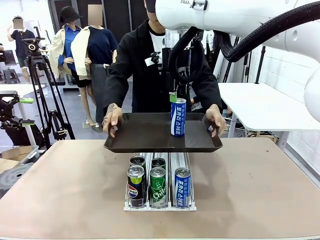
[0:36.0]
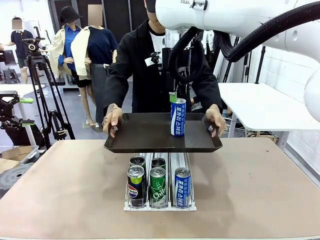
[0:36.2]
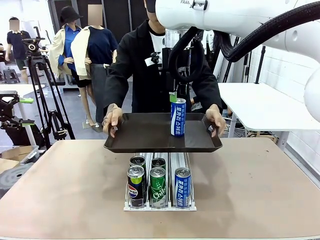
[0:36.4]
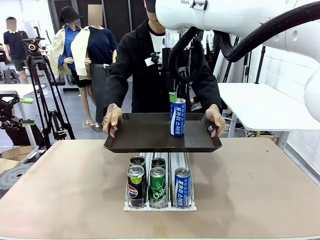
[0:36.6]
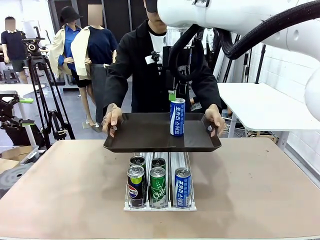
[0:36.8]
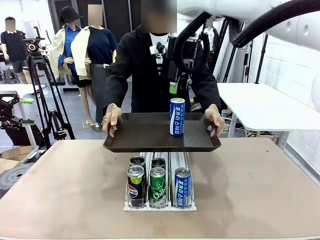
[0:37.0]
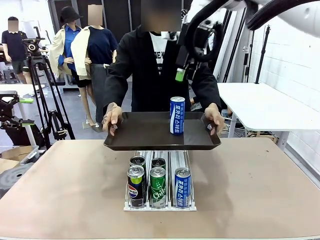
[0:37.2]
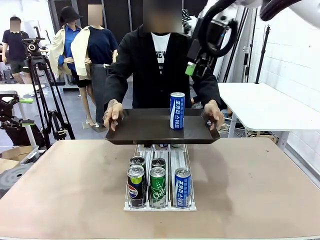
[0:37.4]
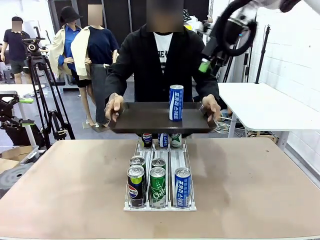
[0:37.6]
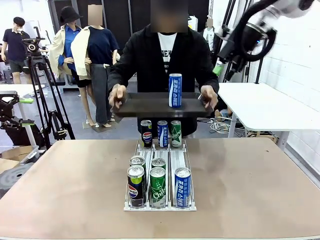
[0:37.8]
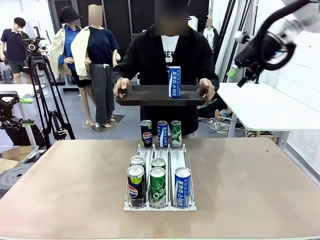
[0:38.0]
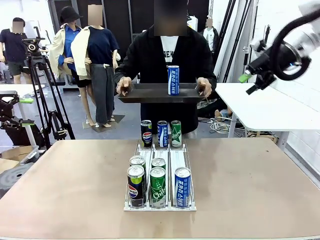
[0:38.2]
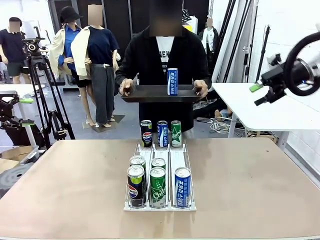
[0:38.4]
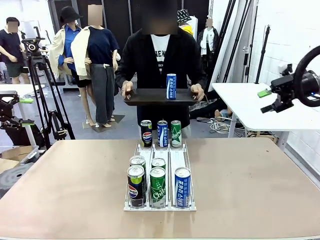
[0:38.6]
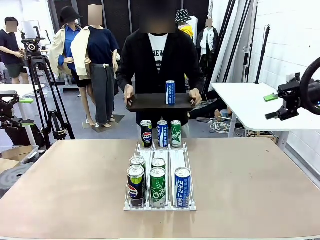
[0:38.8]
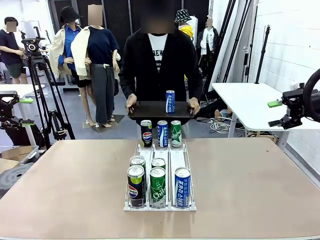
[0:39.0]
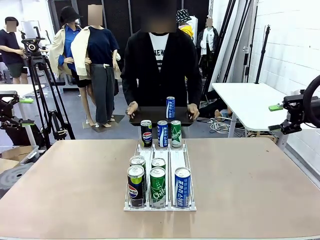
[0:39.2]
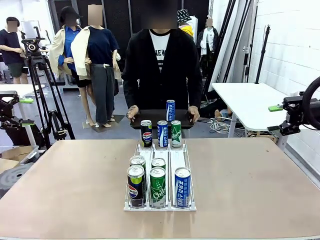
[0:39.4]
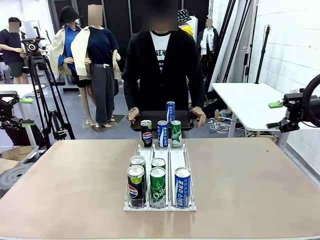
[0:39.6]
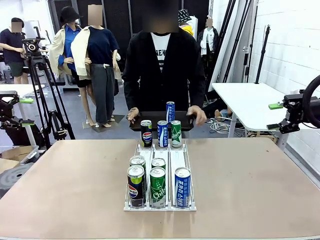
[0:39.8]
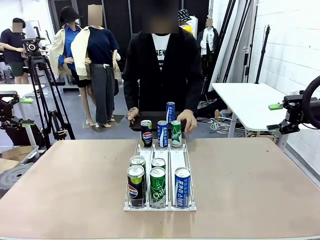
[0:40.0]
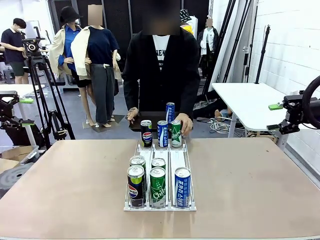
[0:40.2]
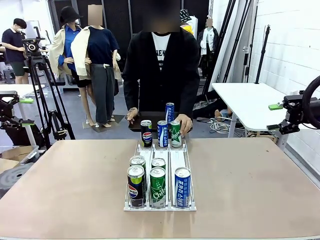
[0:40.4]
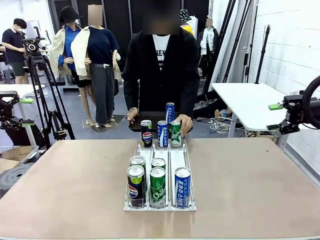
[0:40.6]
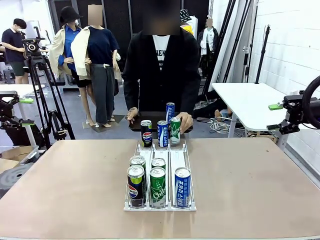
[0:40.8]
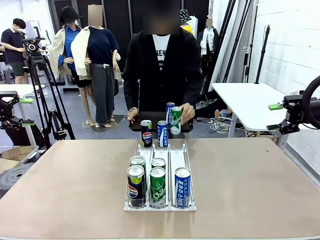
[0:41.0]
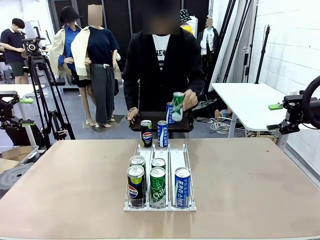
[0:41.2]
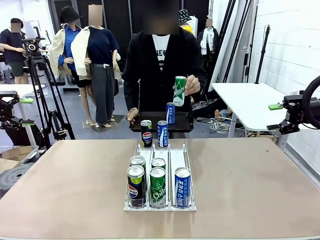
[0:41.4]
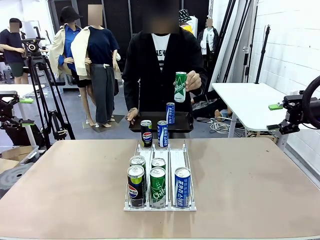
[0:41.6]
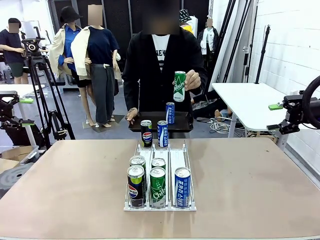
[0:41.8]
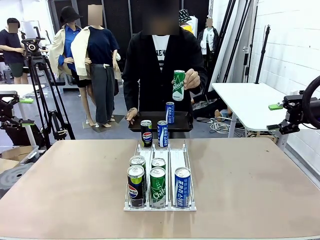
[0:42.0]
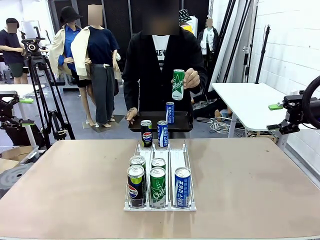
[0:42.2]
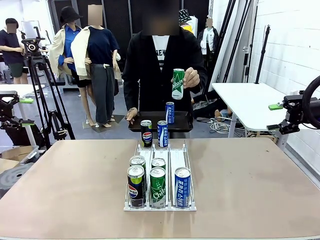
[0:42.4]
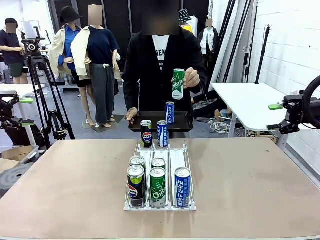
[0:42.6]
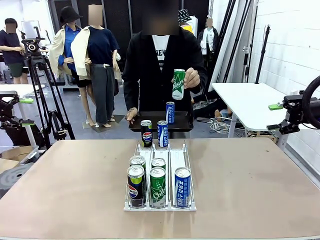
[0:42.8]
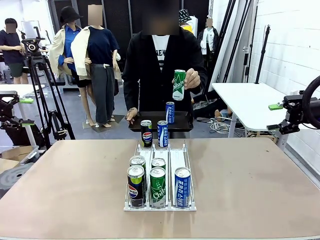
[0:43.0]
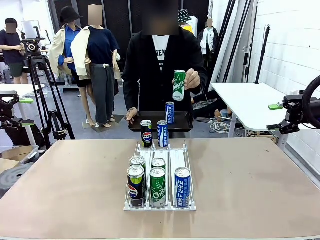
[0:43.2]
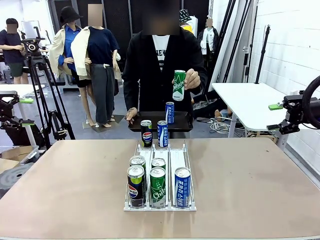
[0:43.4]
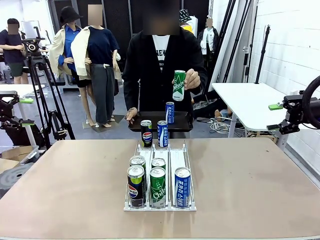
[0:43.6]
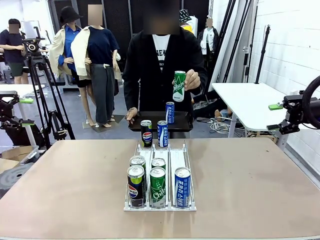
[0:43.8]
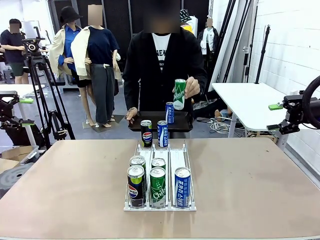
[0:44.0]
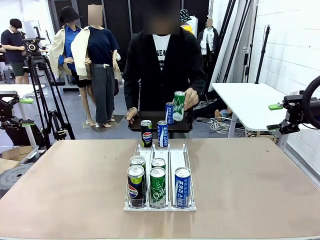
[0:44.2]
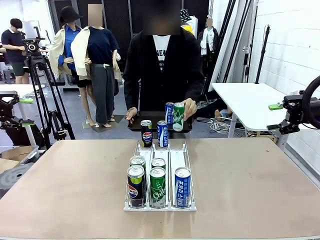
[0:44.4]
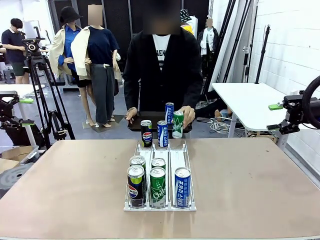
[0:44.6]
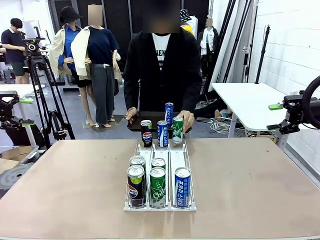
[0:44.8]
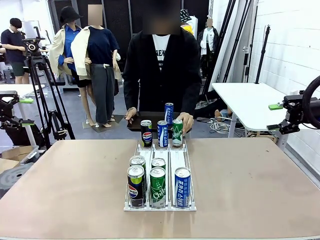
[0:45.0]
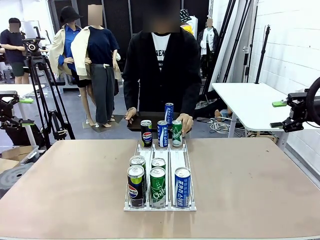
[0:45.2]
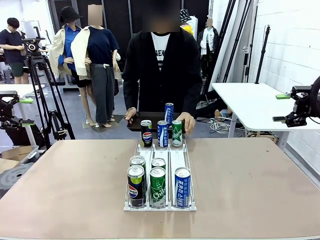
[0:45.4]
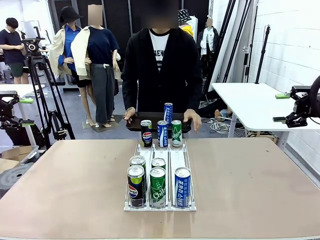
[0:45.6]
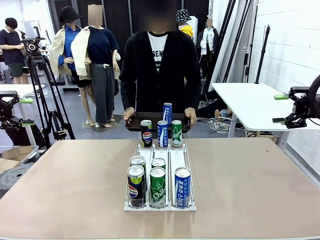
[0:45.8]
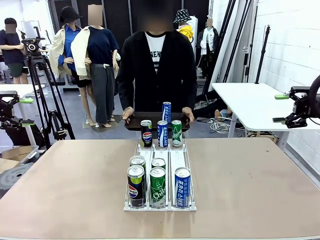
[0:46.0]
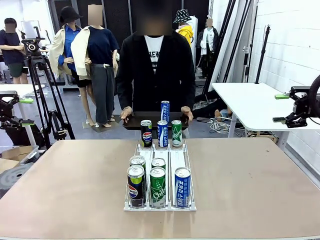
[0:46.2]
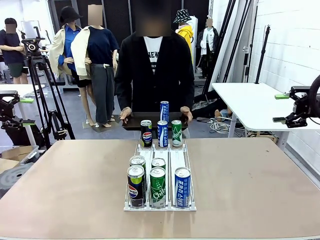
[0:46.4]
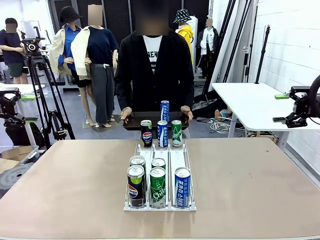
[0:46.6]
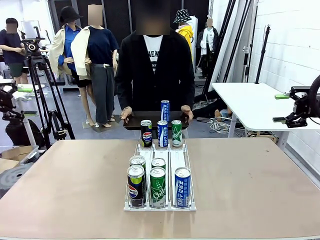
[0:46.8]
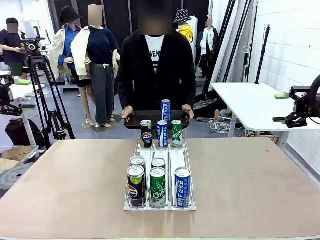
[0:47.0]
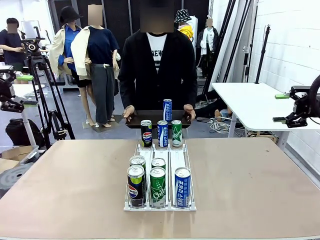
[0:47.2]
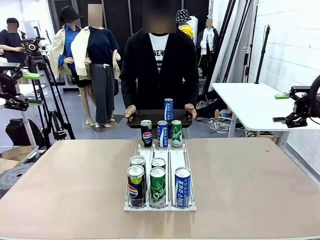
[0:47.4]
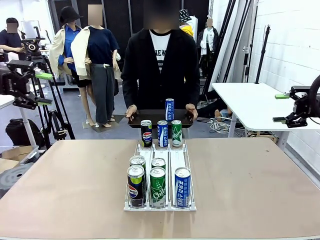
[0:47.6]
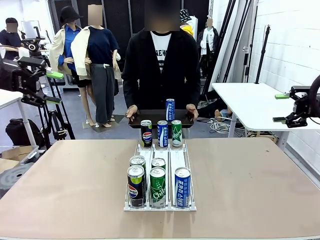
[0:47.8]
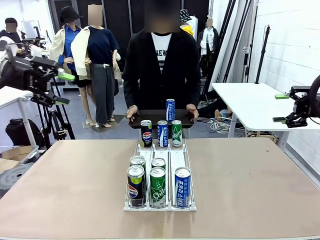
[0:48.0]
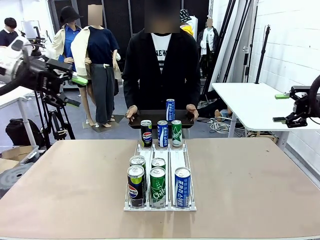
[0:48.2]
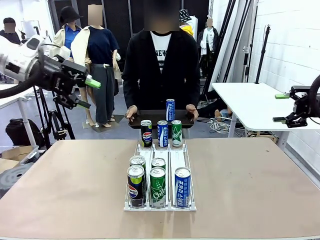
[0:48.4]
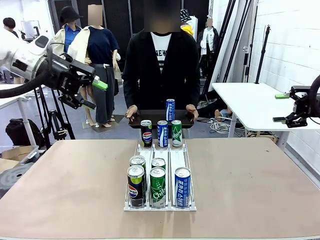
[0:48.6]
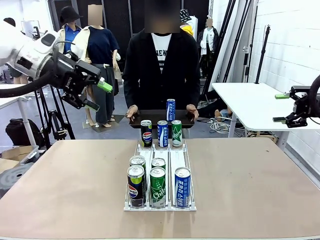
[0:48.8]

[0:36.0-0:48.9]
Task: Retrieve and hand over the desired beverage to the person.
Robot: Pick up another can of the same type that the person held from the Automatic Can Dispenser.
Person: Pull the tray back, then pick up another can from the bottom area of the table and puts it back in its original place.

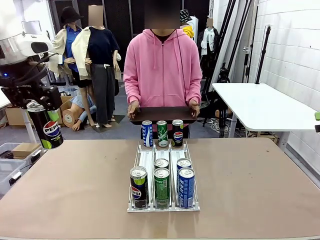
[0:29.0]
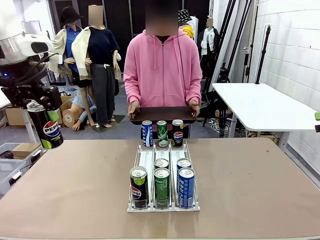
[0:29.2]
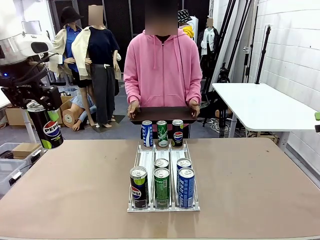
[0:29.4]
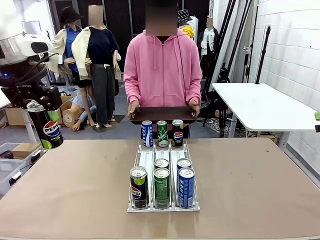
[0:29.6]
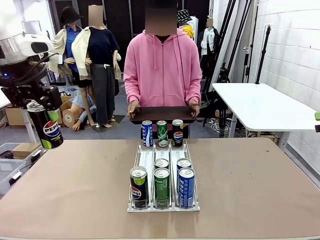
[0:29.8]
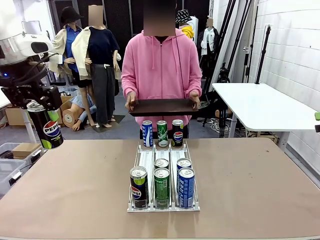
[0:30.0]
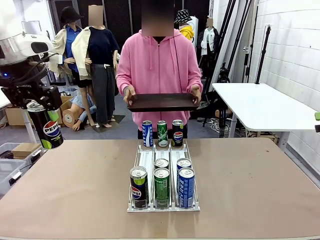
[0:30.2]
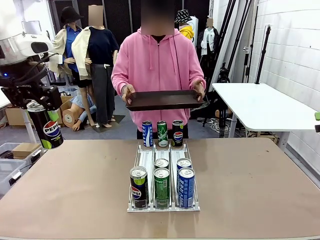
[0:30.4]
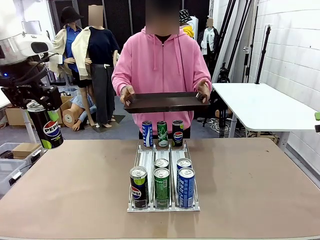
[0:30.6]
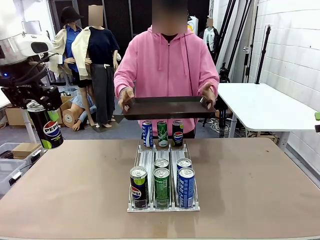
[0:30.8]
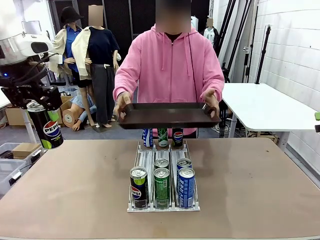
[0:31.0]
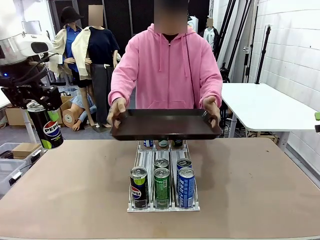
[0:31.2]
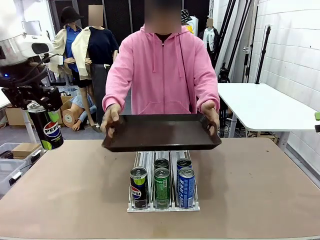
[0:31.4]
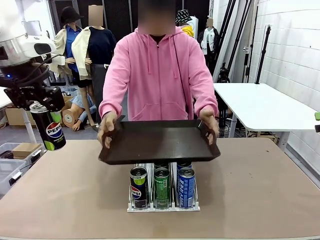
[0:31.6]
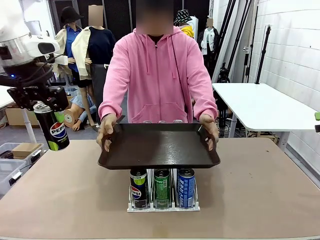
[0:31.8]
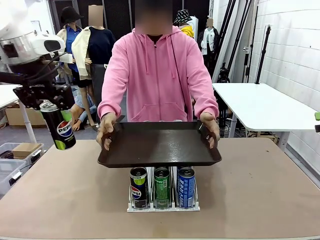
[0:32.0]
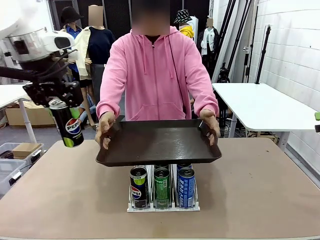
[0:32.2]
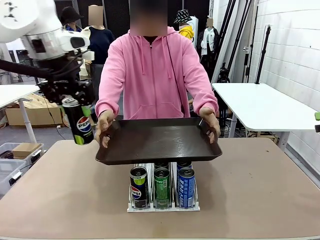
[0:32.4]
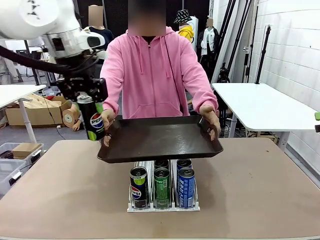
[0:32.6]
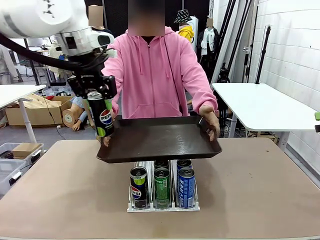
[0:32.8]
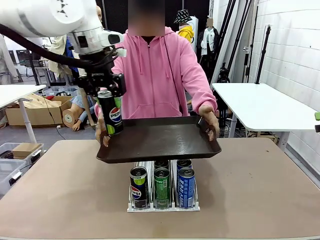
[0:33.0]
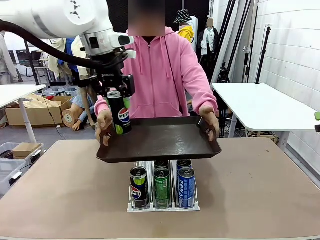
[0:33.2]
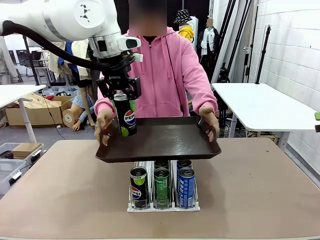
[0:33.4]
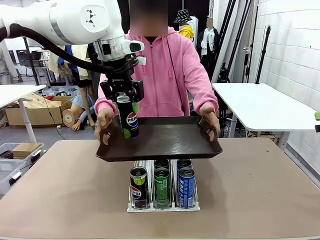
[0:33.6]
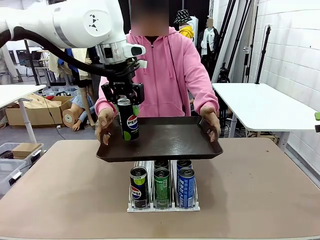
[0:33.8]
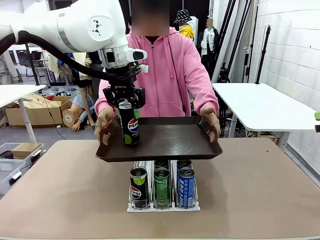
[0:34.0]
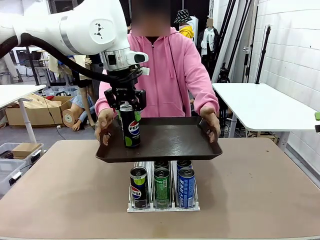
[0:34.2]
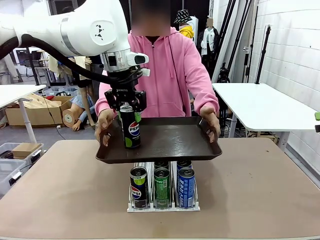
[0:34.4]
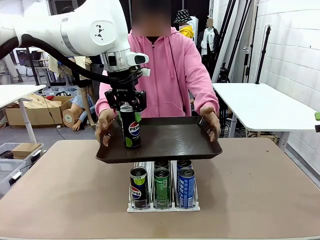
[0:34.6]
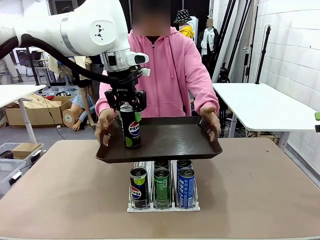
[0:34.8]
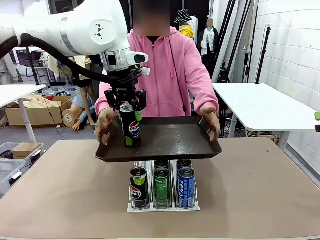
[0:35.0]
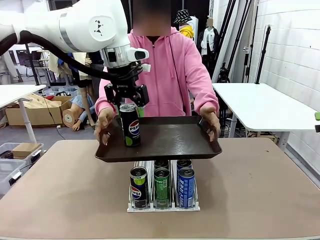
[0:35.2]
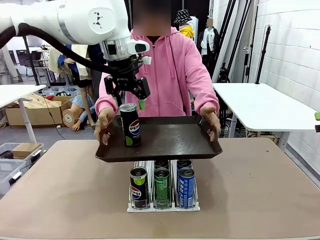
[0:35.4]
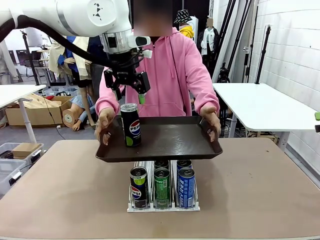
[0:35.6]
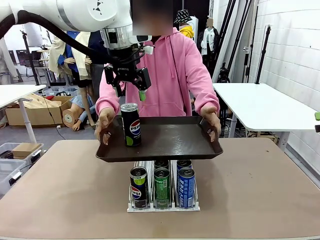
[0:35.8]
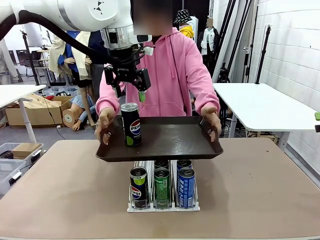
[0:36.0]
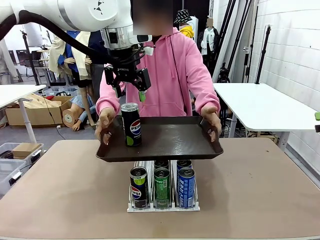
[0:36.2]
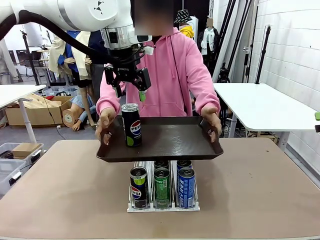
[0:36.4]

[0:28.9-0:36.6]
Task: Retrieve and hand over the desired beverage to the person.
Robot: Place the picked can on the Handle tray extended by the person.
